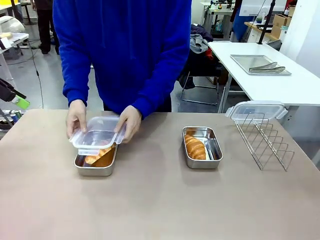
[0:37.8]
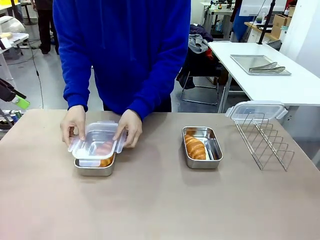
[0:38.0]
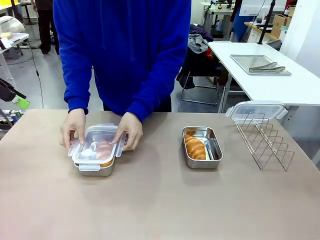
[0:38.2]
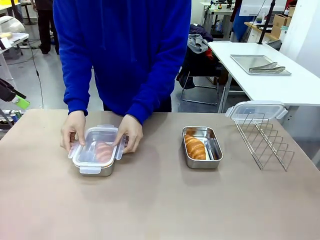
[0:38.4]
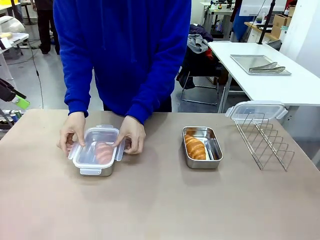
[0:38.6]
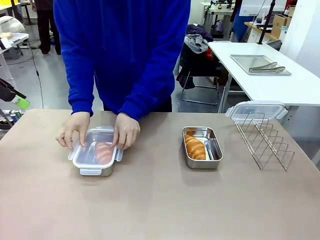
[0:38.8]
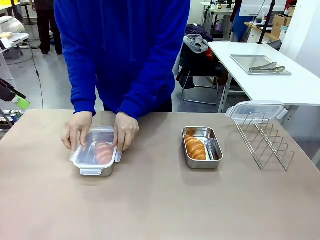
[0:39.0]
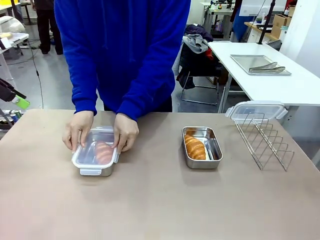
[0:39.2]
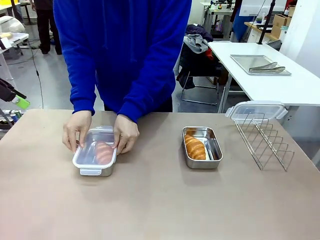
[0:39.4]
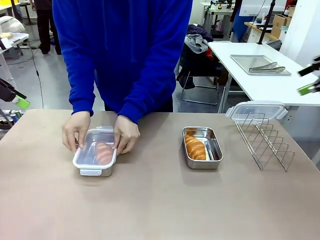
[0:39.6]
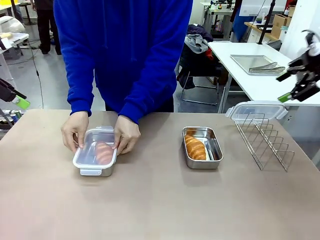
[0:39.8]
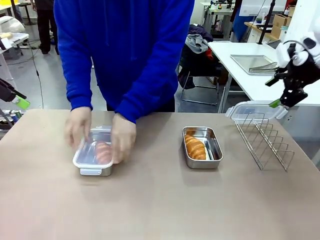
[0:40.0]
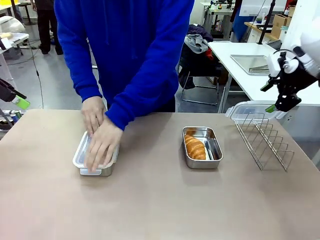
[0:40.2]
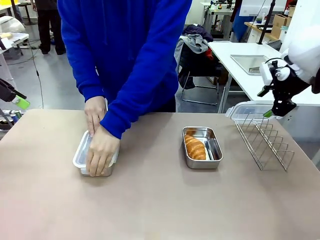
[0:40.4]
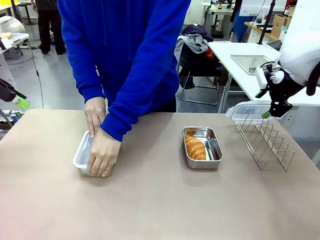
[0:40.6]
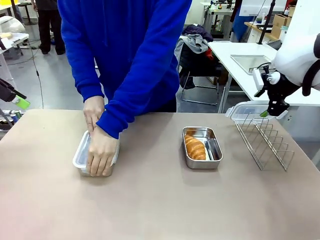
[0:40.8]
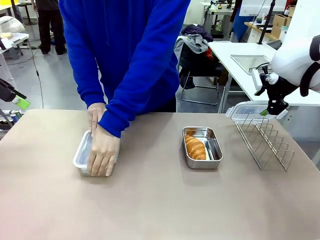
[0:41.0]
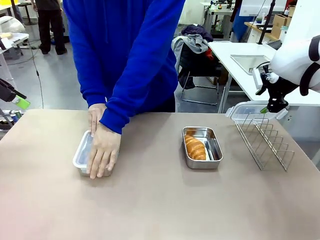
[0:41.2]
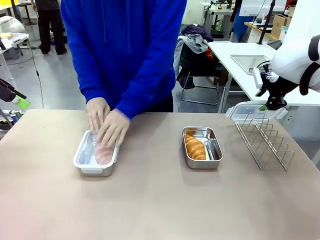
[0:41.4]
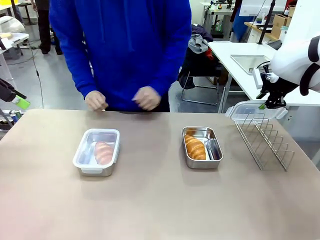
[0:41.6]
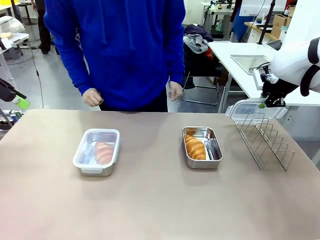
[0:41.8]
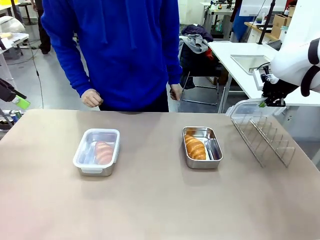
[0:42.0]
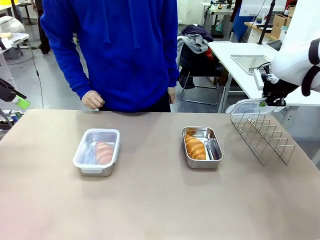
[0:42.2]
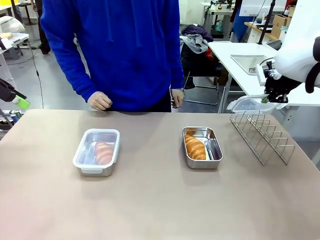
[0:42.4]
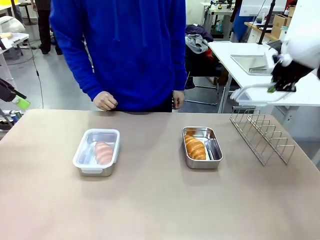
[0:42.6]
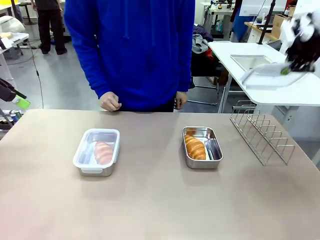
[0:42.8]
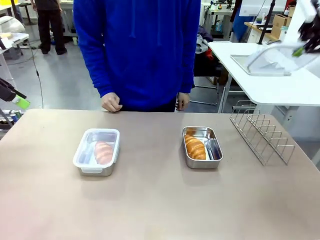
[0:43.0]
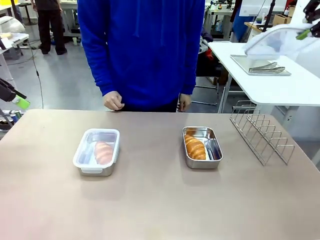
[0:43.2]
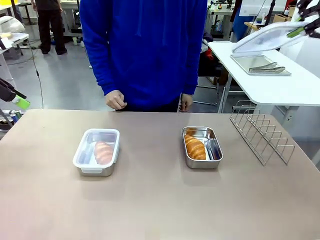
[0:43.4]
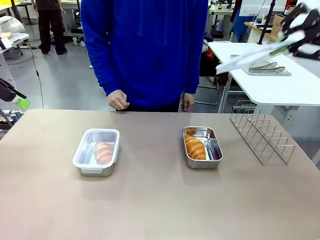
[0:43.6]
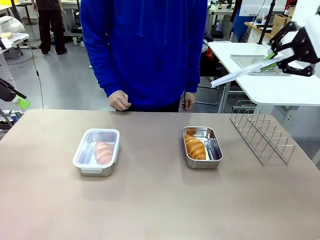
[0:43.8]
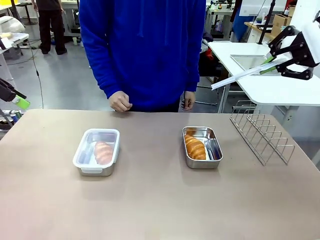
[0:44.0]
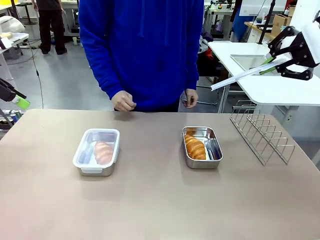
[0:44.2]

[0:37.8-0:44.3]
Task: Place the bread in airtight containers.
Robot: Pick up one Airtight Container lid and hand it to the human.
Person: Close Airtight Container with a handed Airtight Container lid. Grip Airtight Container lid that robot is handing.

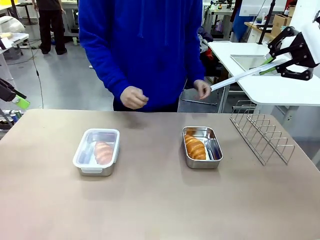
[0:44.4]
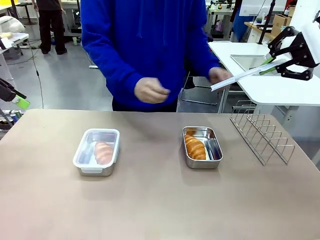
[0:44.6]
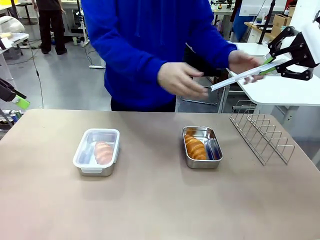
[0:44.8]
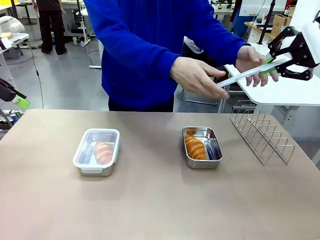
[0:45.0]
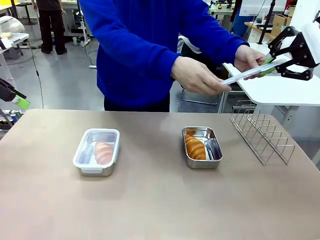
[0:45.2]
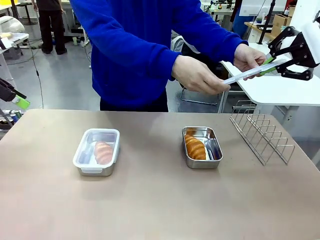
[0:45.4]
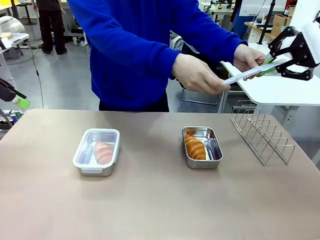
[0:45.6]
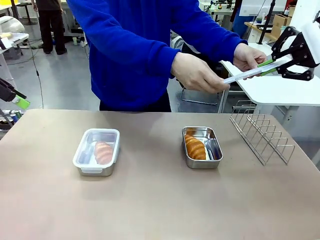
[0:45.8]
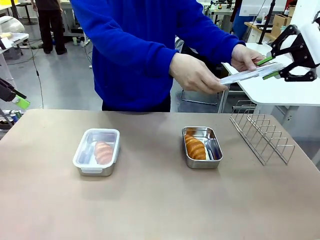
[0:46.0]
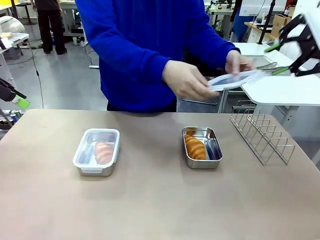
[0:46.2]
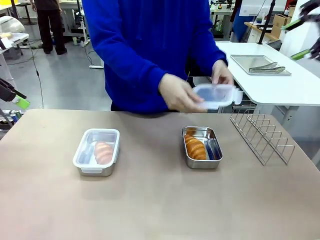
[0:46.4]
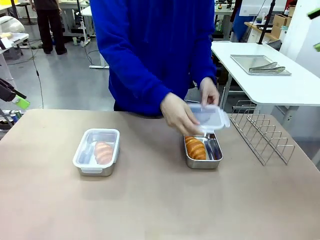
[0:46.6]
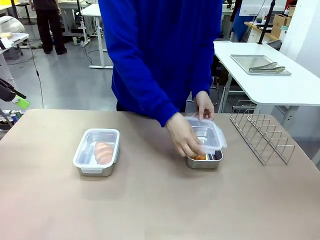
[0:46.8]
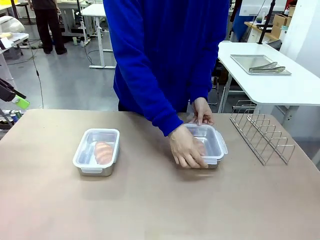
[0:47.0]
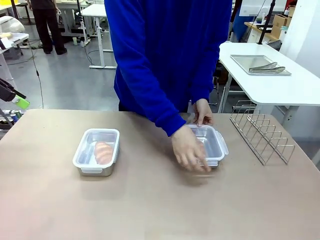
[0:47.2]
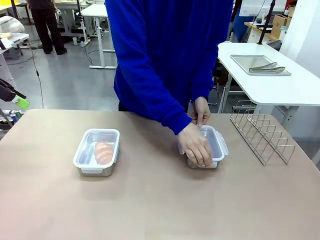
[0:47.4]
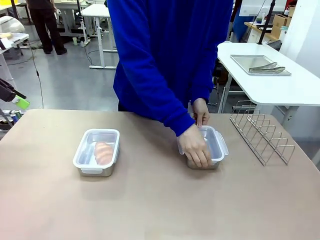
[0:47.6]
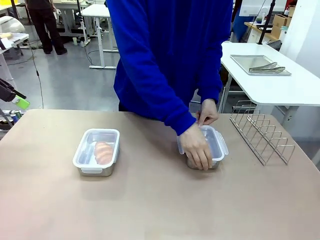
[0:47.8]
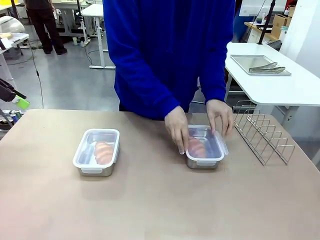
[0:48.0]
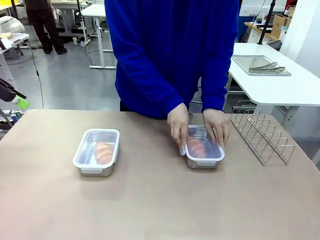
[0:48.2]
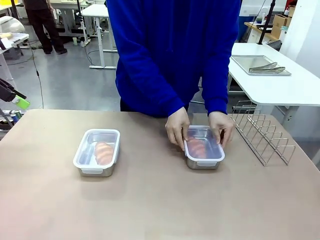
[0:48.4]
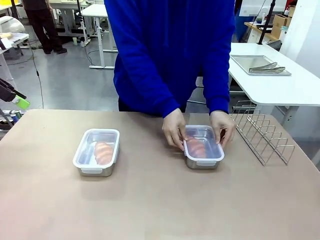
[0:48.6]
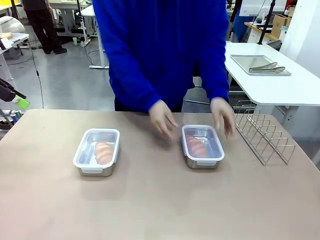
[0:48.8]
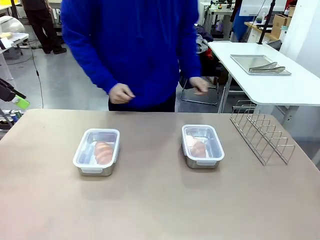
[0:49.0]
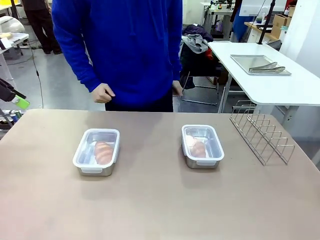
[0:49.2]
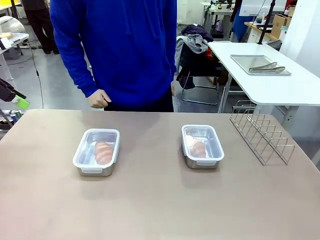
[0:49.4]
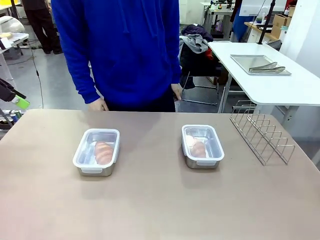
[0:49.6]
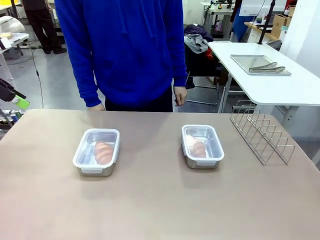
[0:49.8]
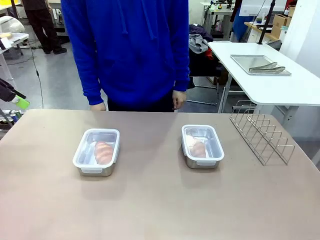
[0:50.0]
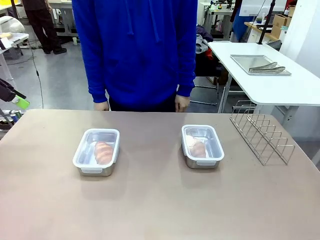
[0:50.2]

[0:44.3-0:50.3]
Robot: Release when the human grabs the Airtight Container lid.
Person: Close Airtight Container with a handed Airtight Container lid.

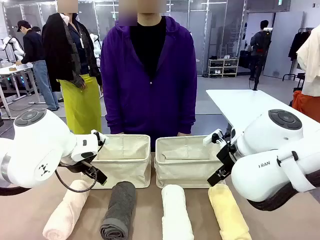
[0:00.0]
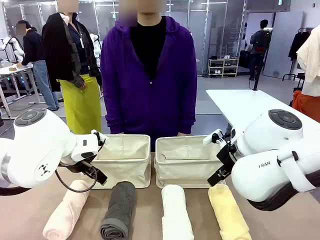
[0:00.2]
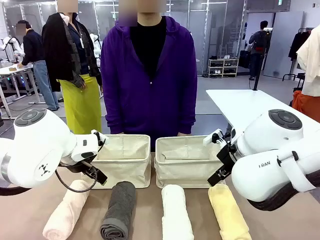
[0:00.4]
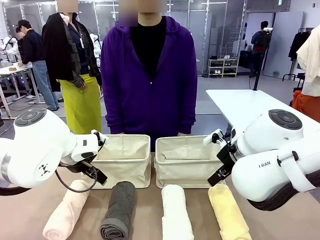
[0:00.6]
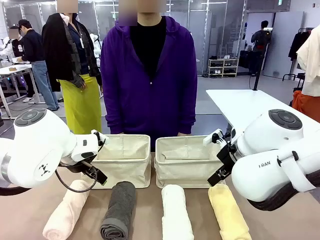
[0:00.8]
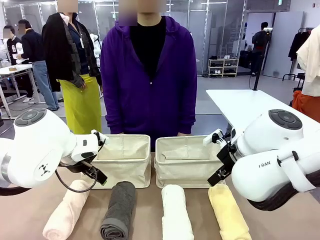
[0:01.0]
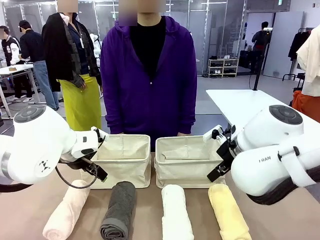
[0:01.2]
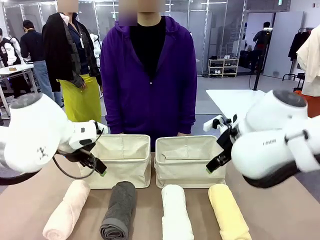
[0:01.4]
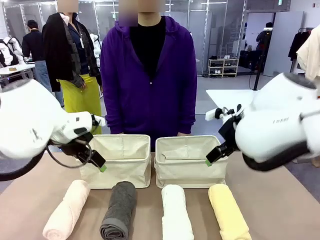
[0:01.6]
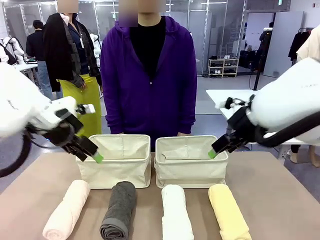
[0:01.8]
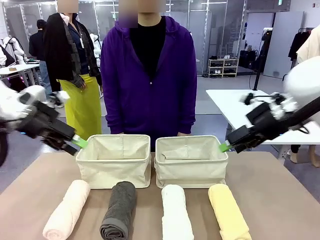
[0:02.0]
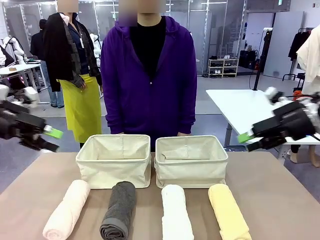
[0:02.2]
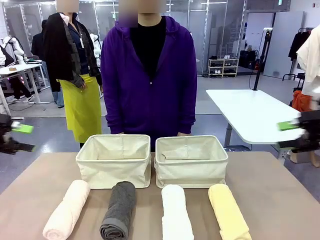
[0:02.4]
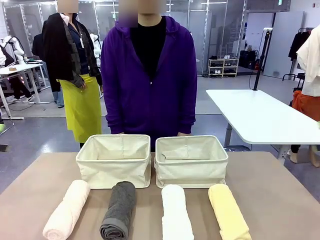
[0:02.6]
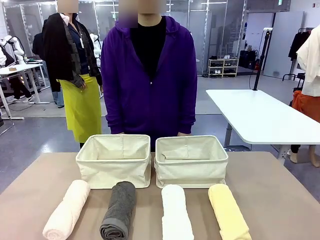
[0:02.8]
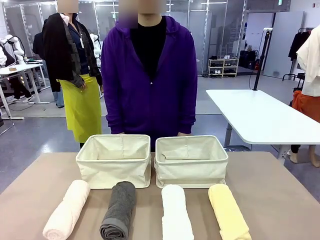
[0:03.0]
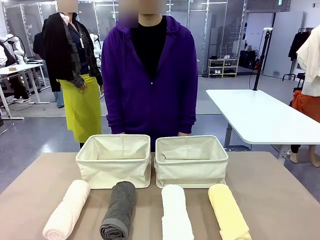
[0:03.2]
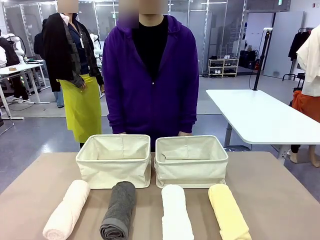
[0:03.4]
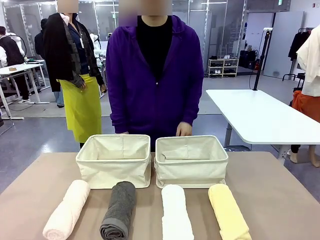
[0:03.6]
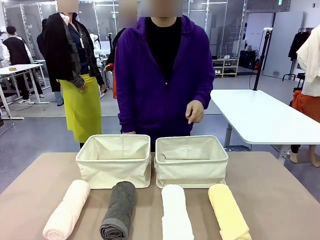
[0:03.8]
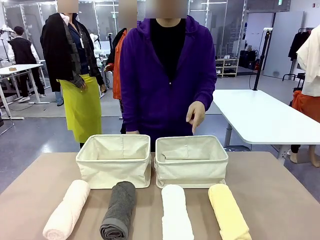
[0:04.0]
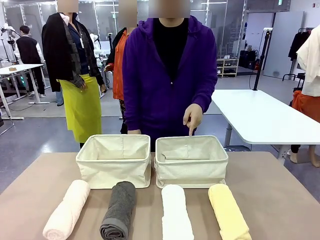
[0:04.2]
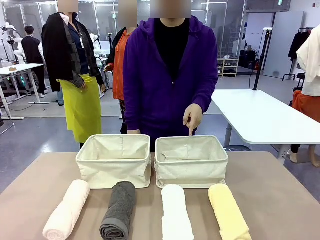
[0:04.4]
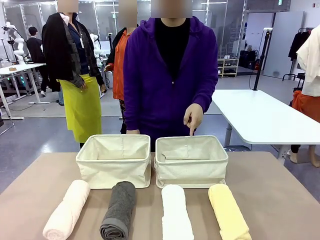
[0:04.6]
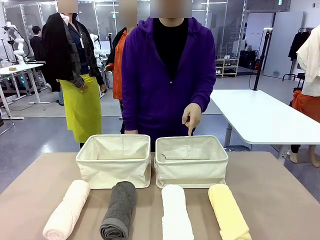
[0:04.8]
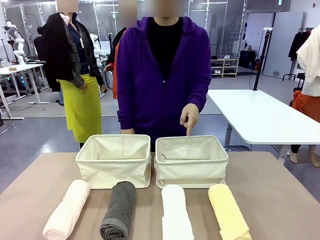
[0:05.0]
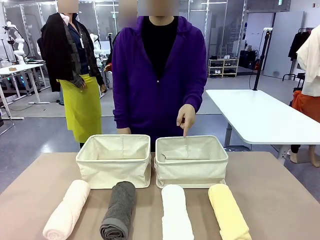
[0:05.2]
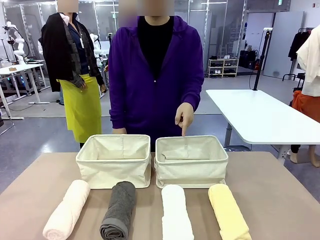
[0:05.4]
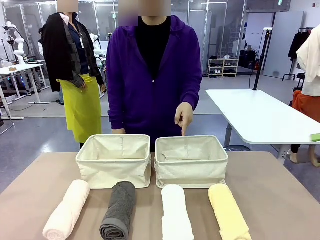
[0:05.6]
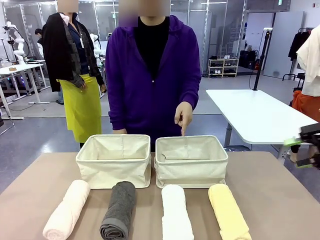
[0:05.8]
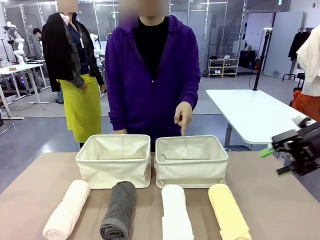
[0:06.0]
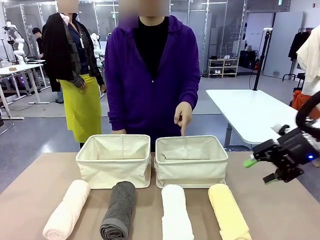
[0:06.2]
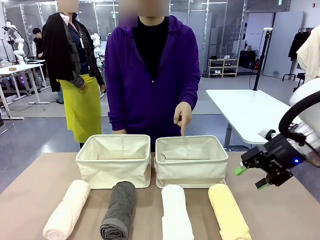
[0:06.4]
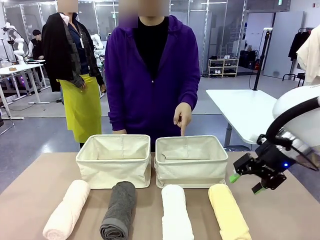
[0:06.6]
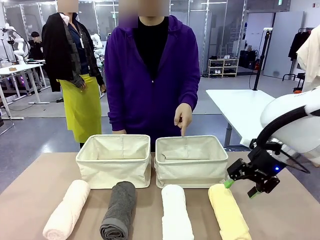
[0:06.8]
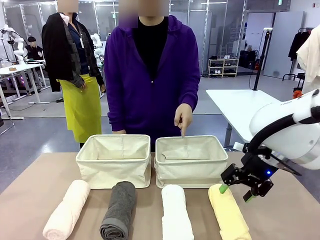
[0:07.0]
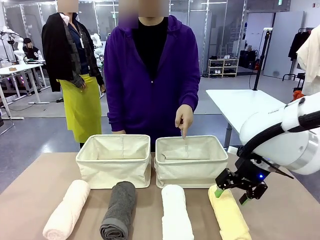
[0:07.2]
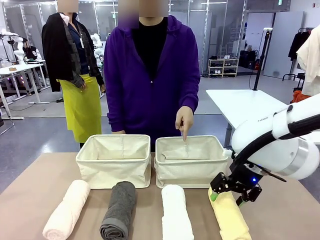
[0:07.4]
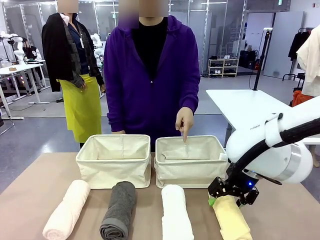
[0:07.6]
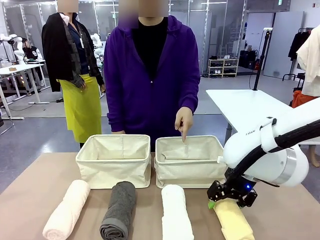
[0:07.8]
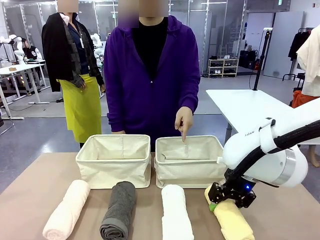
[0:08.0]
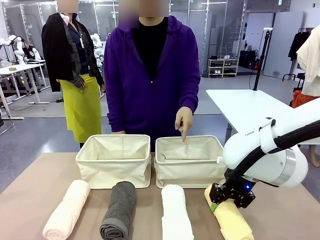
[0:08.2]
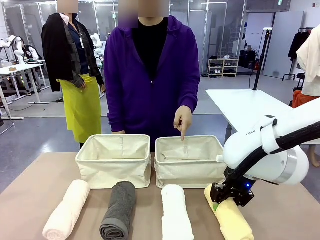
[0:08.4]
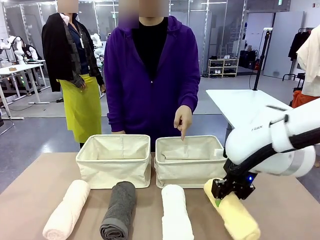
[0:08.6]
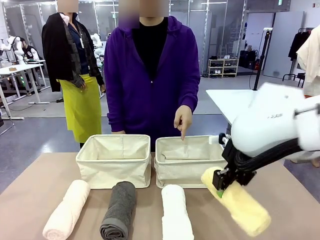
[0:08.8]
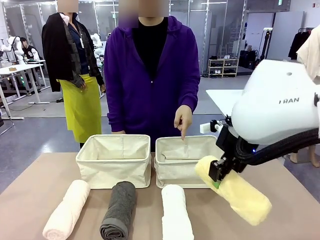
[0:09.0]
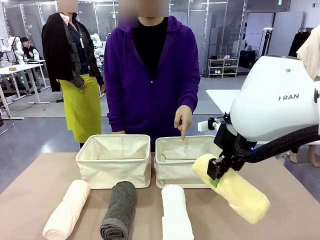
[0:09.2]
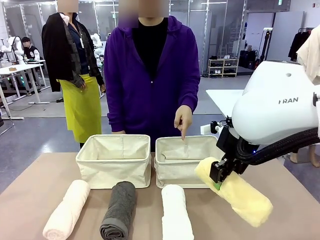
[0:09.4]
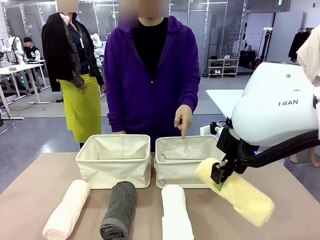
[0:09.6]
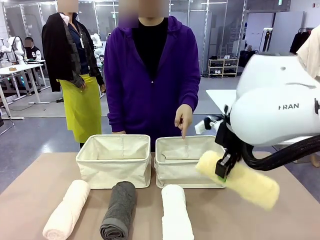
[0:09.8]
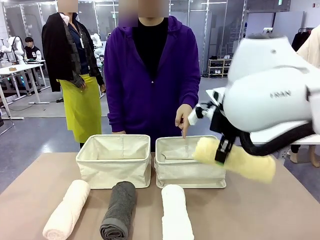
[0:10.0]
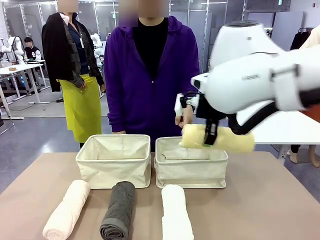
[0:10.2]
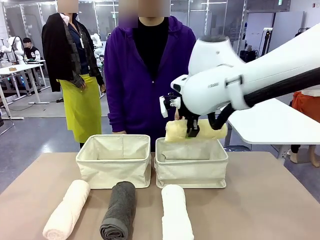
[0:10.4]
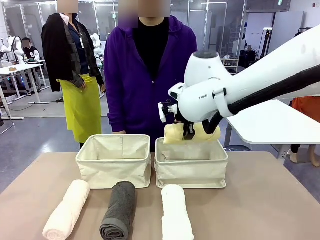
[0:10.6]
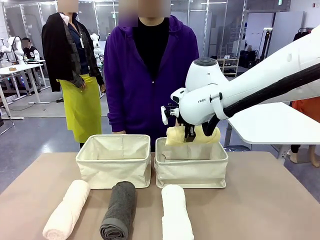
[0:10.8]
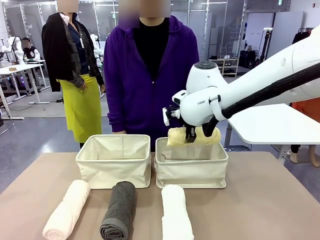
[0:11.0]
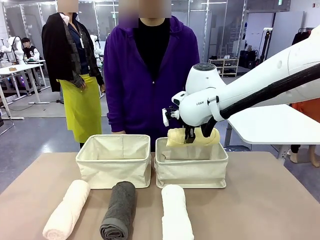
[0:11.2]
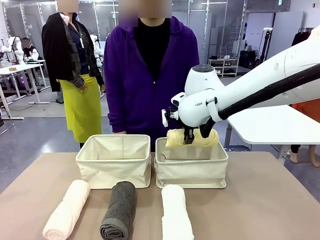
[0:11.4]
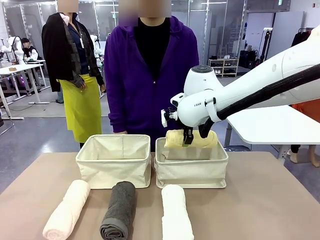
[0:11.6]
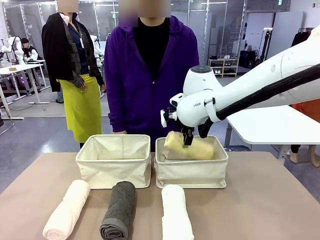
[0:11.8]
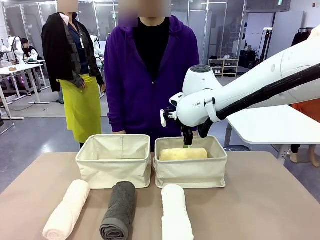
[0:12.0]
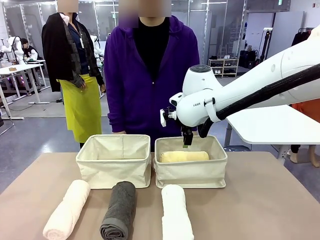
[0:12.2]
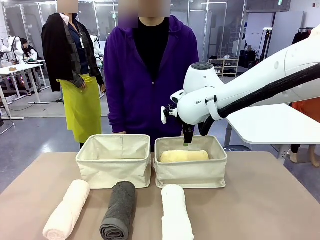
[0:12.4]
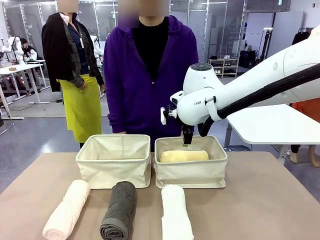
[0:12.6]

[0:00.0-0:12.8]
Task: Divide the towels into two baskets.
Robot: Pick up one hotel-folded towel and place it in the Fabric basket indicated by the person.
